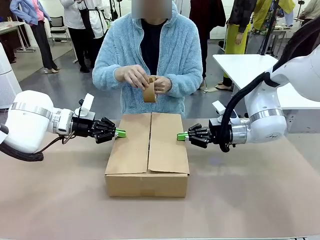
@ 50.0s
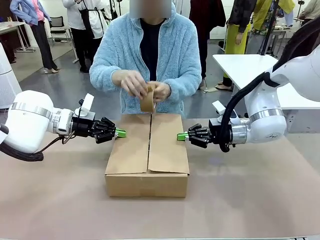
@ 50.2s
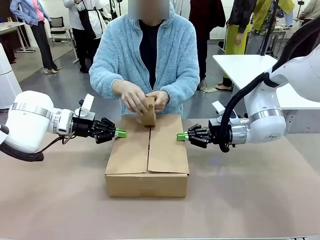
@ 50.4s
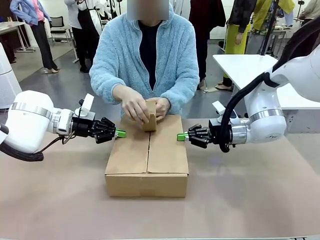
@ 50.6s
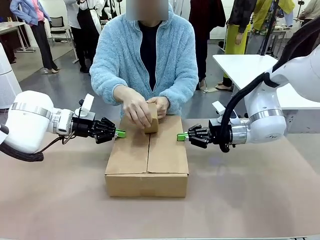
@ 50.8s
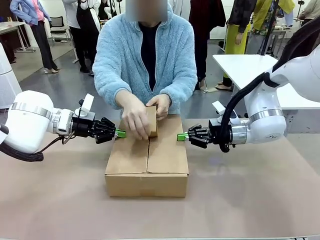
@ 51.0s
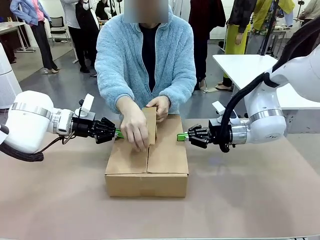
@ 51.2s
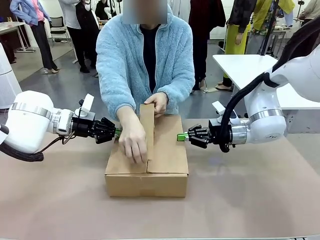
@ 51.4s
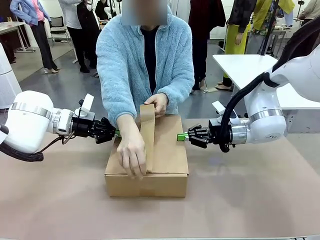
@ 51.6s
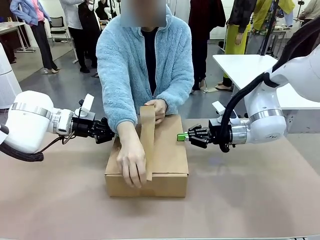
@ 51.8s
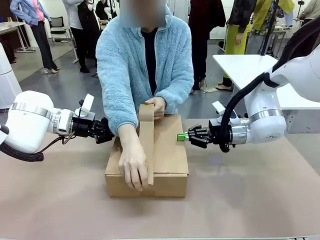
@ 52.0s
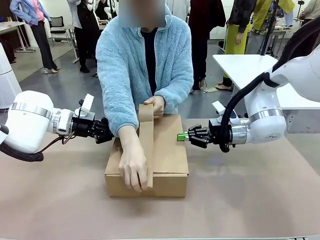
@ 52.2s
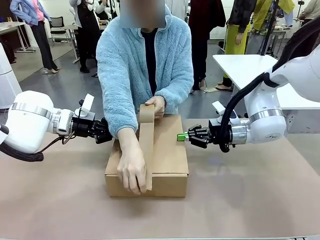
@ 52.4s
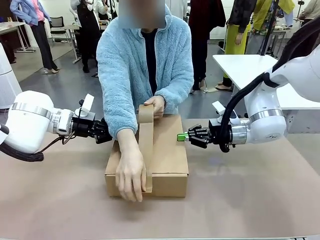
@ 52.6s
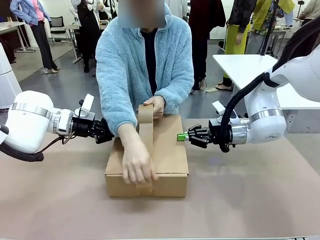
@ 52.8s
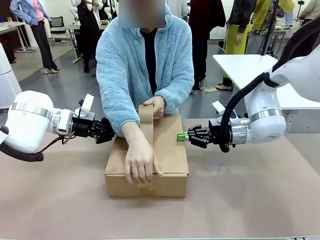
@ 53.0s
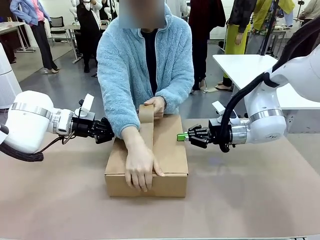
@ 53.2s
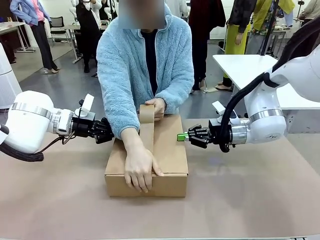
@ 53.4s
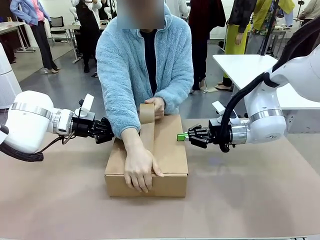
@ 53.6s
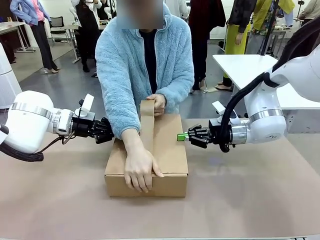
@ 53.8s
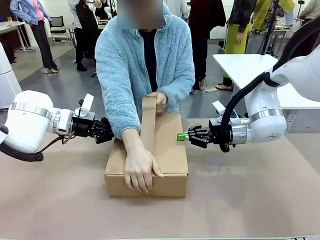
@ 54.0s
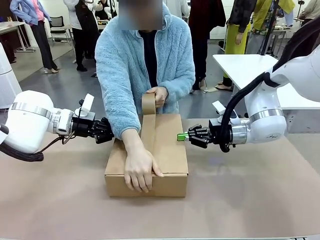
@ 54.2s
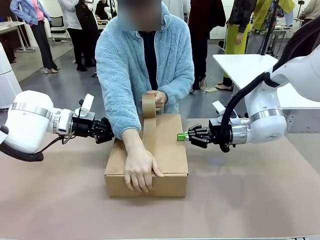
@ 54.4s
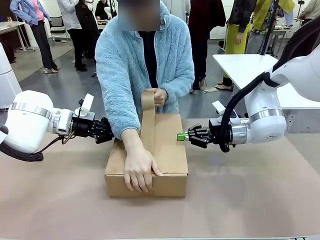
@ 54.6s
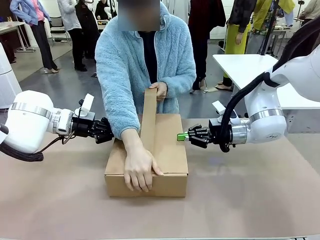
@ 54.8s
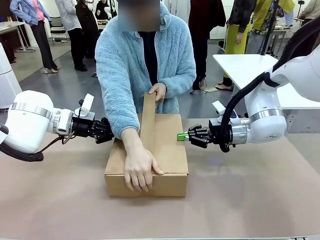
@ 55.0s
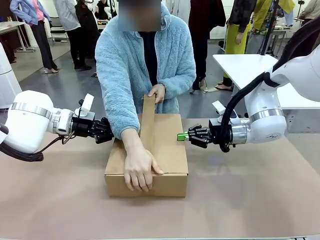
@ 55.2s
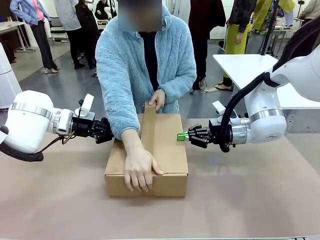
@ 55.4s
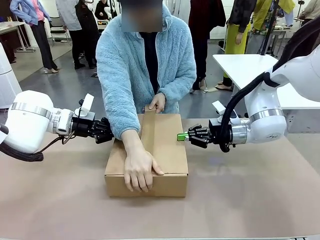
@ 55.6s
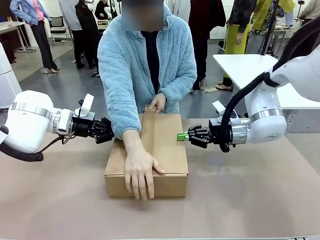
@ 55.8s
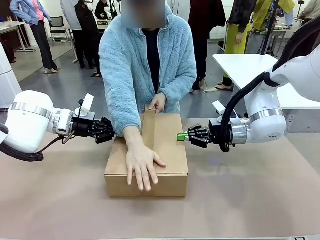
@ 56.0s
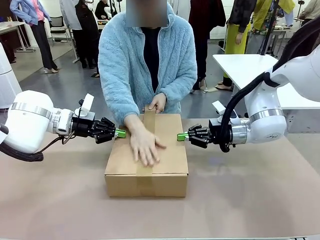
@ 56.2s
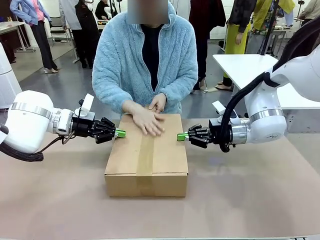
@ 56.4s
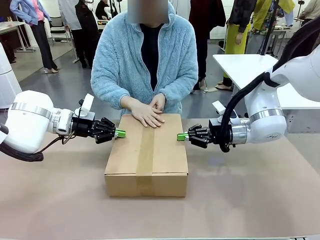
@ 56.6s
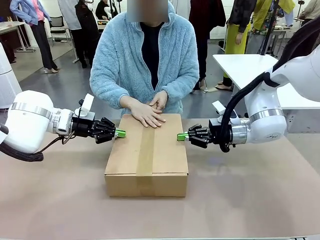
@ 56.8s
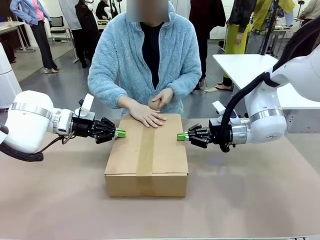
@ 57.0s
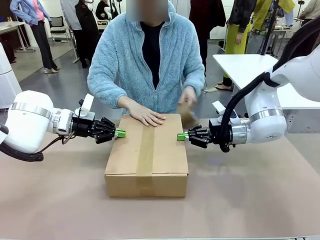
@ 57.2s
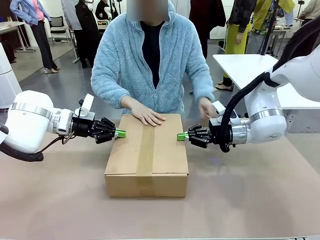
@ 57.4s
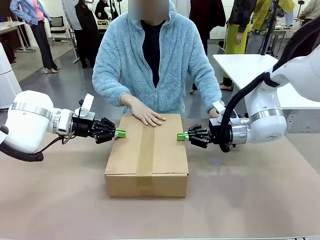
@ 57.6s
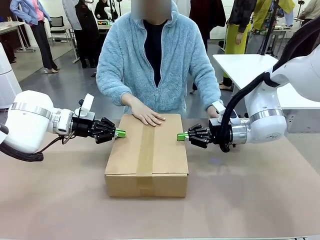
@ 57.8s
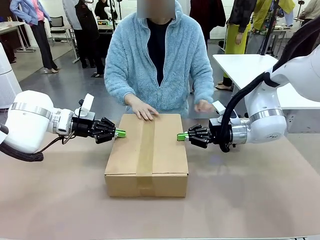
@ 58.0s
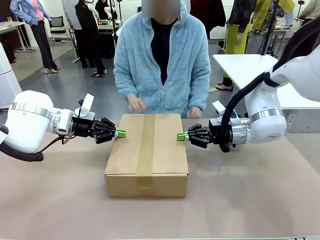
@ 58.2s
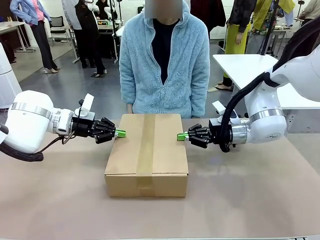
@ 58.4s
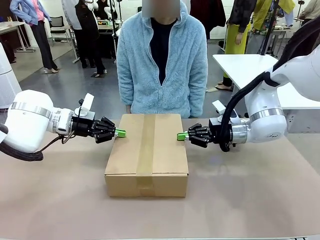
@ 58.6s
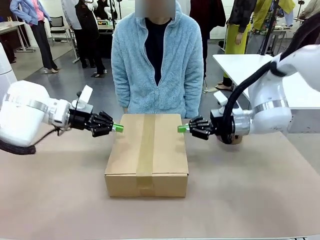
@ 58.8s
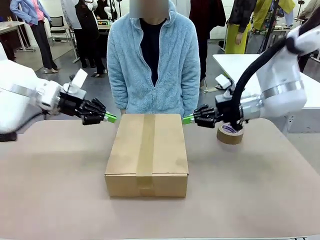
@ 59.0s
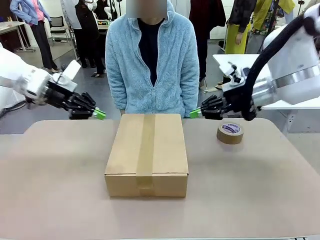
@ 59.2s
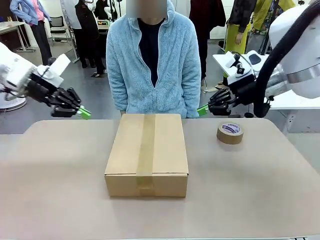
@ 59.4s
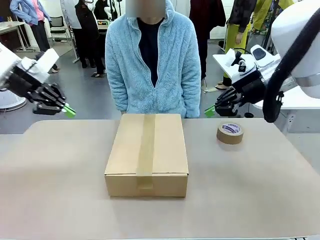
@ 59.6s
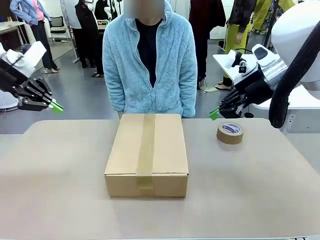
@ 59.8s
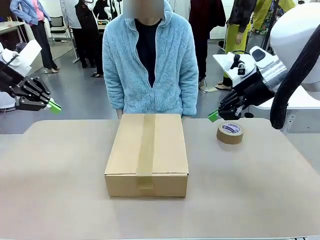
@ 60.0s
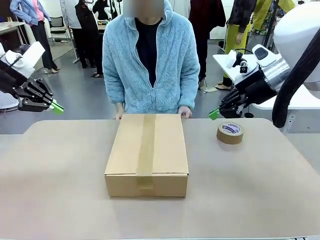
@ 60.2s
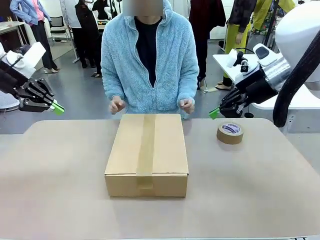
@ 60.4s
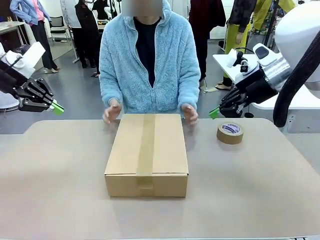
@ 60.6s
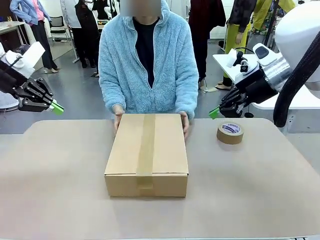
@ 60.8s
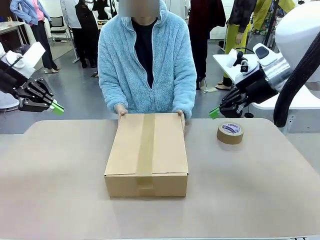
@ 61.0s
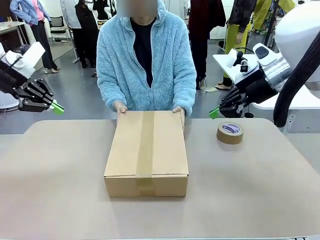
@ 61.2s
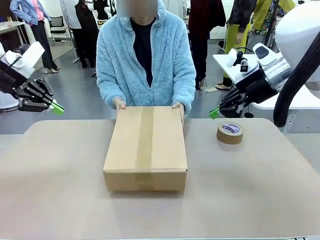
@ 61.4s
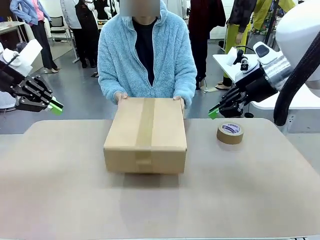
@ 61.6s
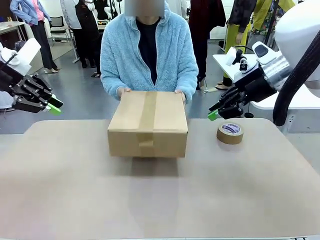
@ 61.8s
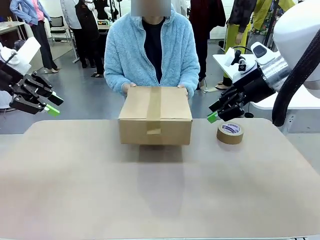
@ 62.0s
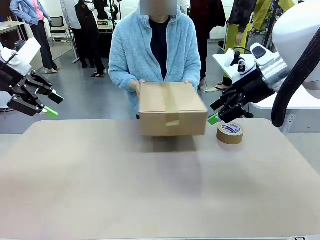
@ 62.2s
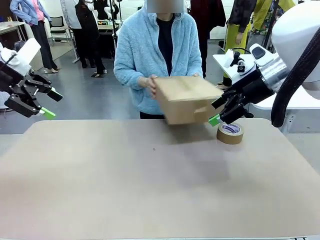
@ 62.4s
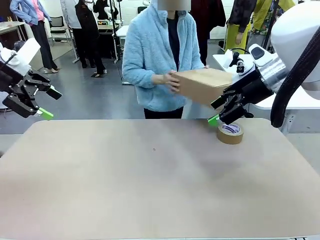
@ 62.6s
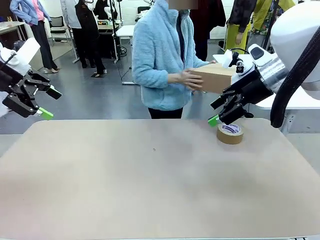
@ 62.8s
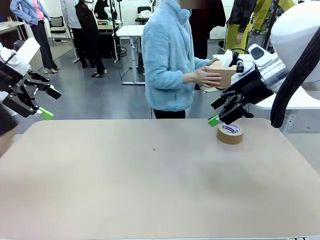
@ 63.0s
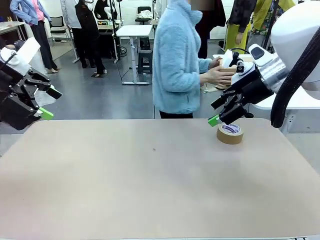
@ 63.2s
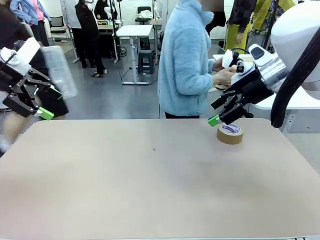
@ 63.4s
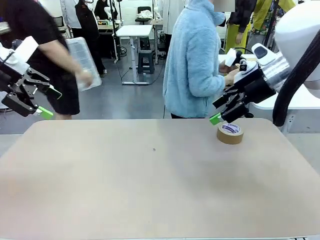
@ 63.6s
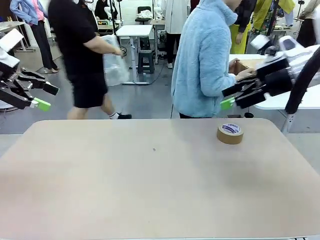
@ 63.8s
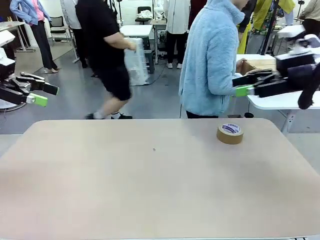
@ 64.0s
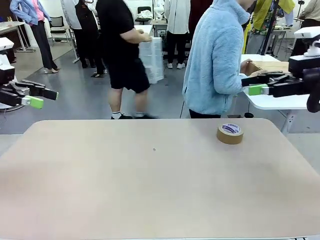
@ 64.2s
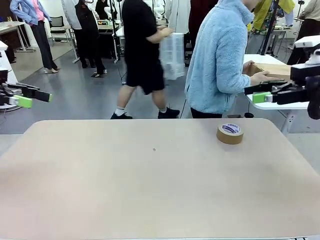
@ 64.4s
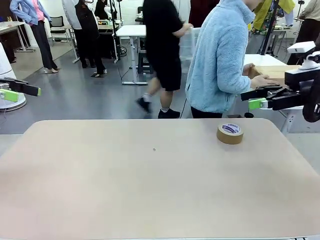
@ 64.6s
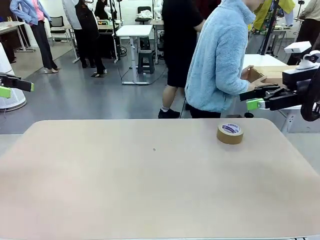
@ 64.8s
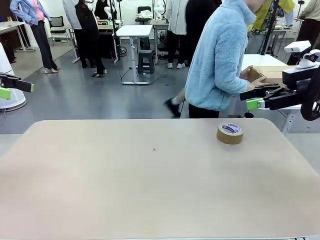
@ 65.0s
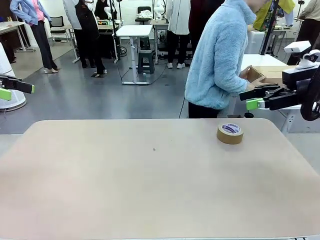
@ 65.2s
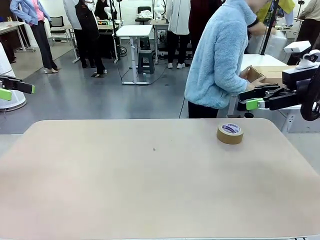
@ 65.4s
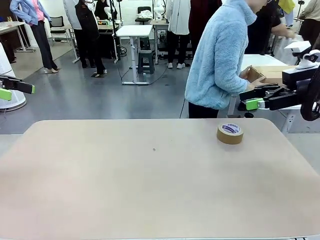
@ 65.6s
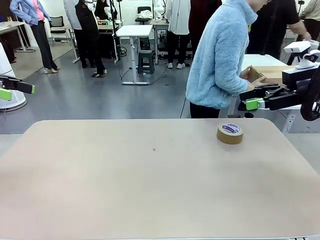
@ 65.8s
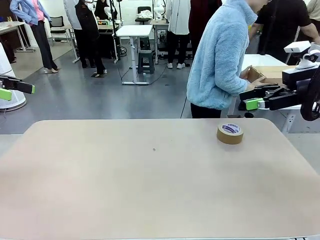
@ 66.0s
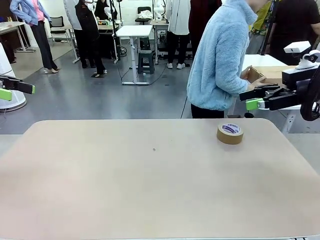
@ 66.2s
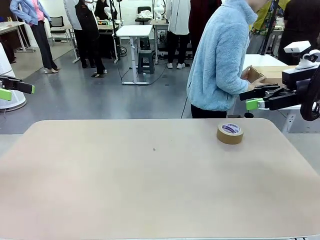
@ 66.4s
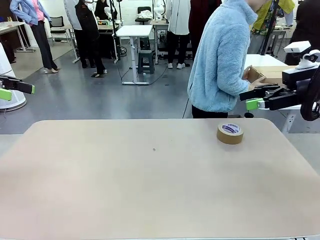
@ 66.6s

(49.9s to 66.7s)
Task: Wrap the clocks to prevent damage.
Robot: After the human seals the box with tape, release both hands from the side flaps of the Package Box.
Person: Once the robot closes the left flap of the Package Box , seal the box with Paper Tape. Place sealed Package Box in the middle of the human's table.

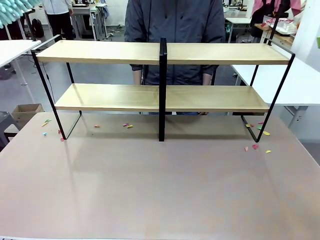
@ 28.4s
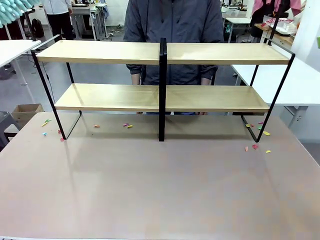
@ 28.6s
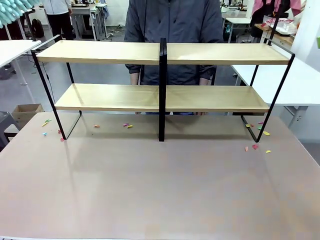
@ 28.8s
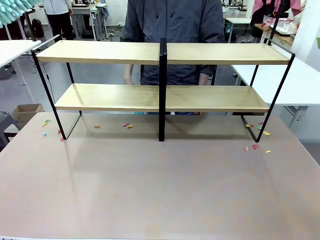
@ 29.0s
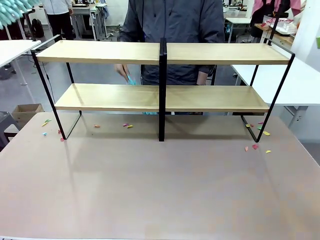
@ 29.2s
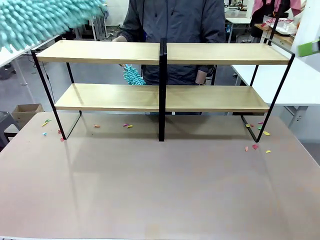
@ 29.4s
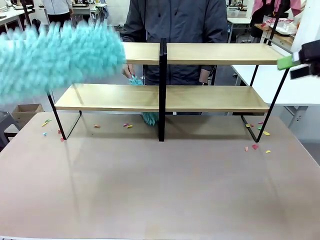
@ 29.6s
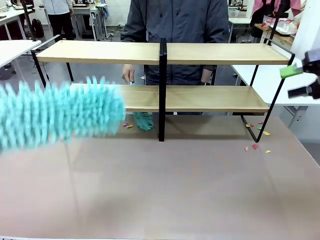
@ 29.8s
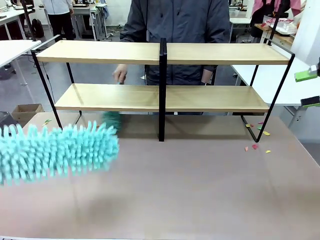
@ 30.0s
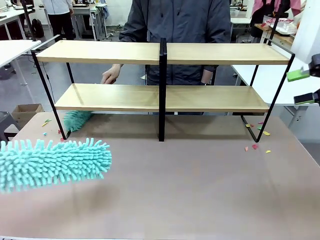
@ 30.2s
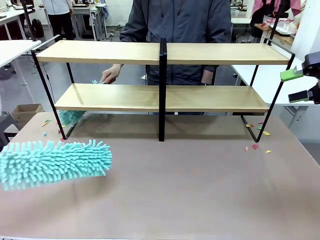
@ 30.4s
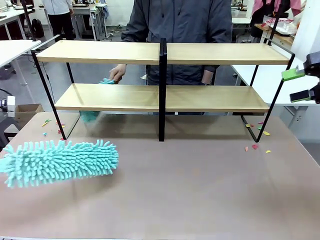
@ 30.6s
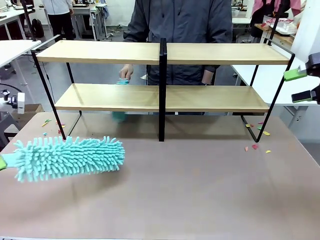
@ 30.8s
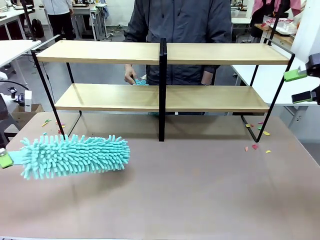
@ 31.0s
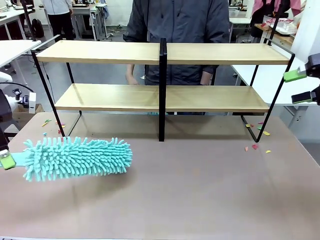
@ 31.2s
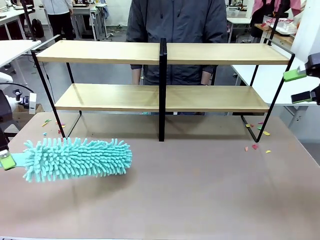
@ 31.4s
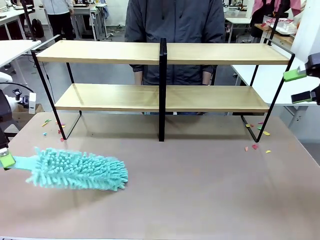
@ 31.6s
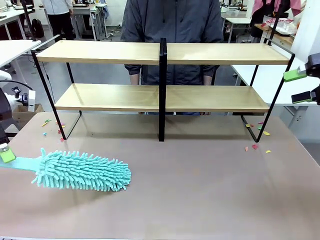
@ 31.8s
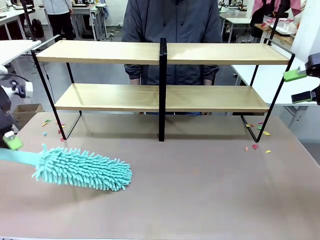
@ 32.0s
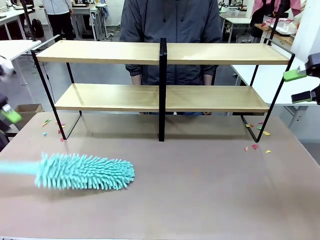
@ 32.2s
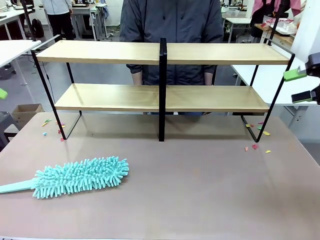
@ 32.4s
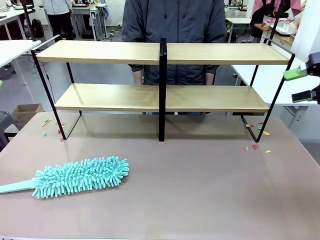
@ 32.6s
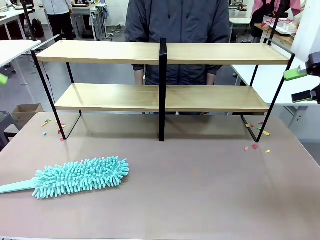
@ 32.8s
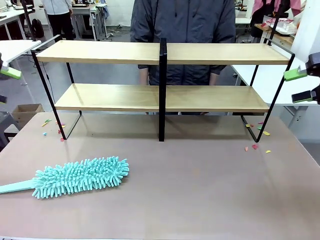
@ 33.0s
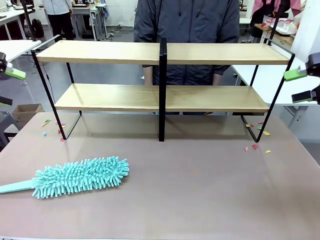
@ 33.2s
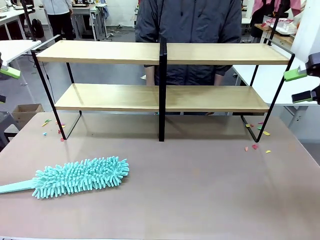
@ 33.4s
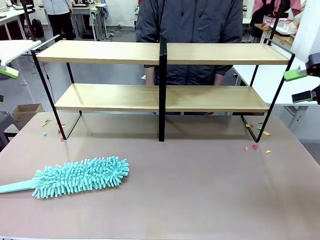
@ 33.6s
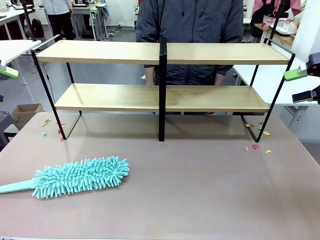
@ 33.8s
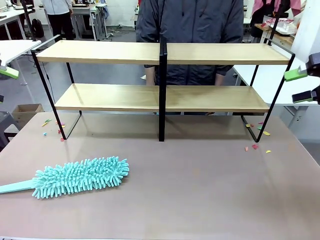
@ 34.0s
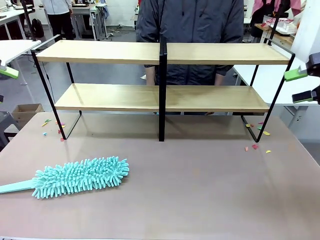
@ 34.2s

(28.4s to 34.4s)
Task: Clean the shelves.
Robot: Place the Duster on the table.
